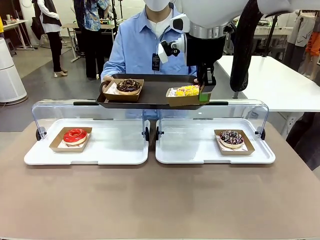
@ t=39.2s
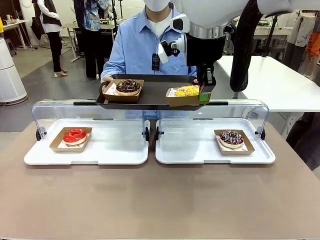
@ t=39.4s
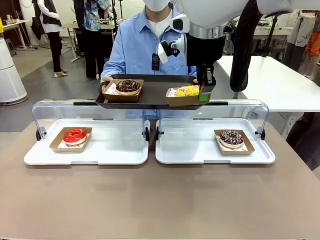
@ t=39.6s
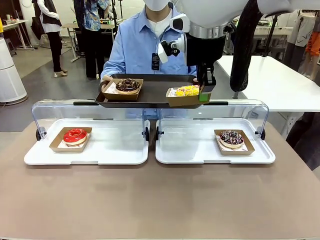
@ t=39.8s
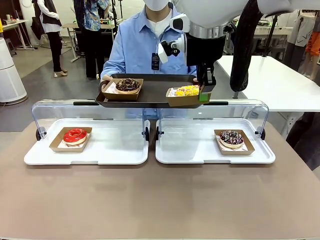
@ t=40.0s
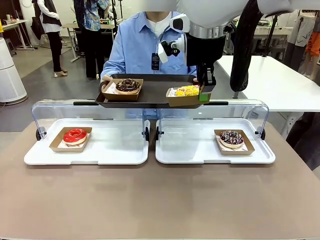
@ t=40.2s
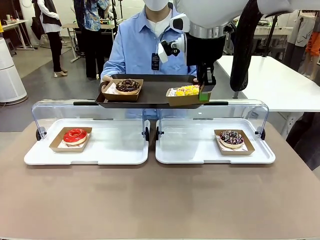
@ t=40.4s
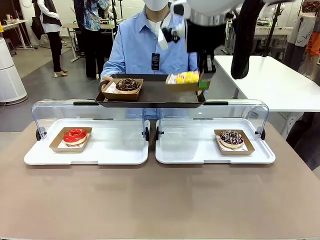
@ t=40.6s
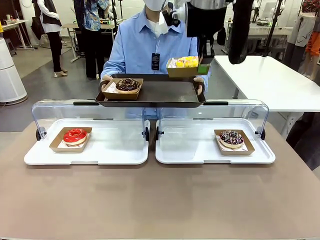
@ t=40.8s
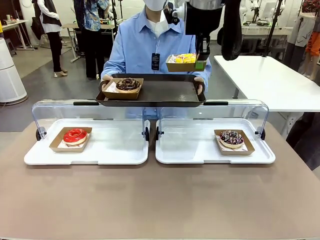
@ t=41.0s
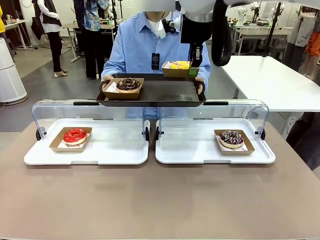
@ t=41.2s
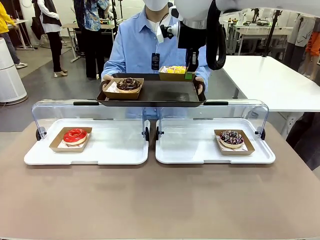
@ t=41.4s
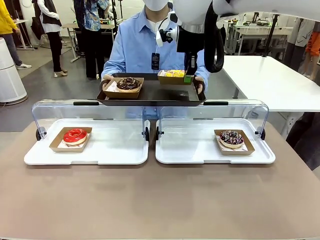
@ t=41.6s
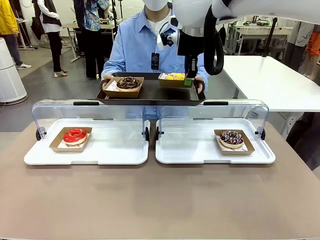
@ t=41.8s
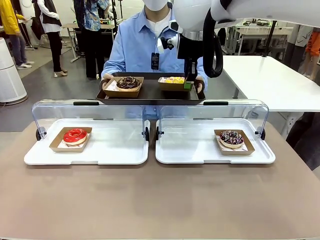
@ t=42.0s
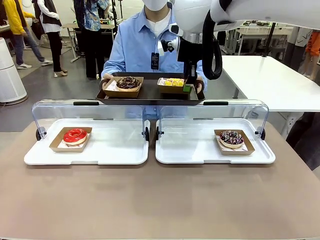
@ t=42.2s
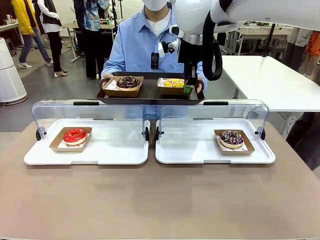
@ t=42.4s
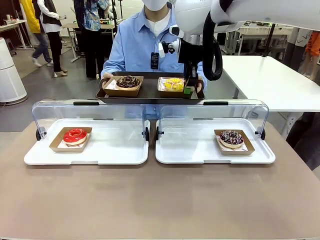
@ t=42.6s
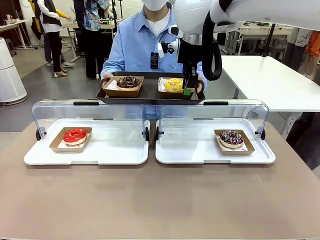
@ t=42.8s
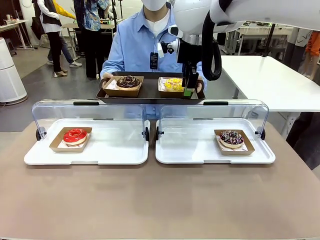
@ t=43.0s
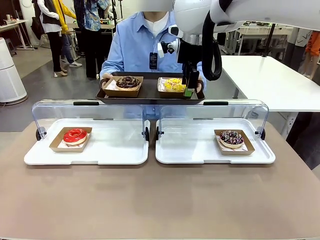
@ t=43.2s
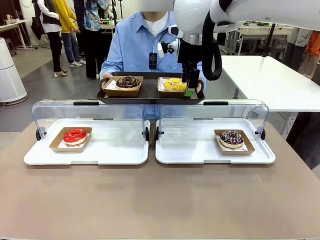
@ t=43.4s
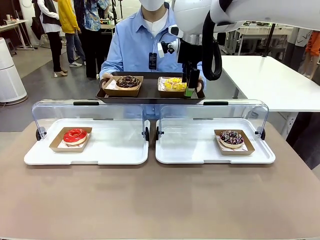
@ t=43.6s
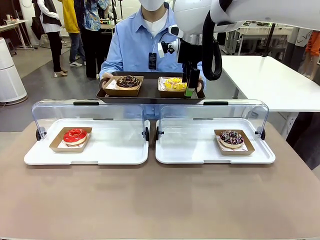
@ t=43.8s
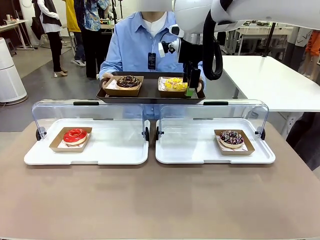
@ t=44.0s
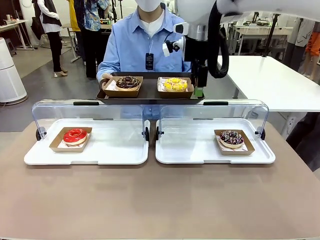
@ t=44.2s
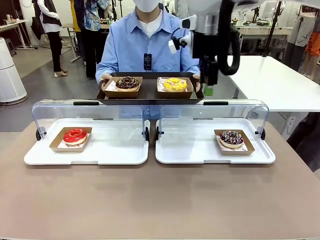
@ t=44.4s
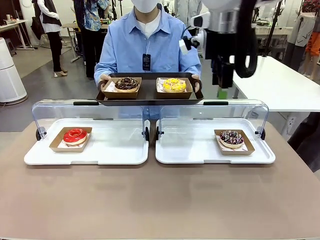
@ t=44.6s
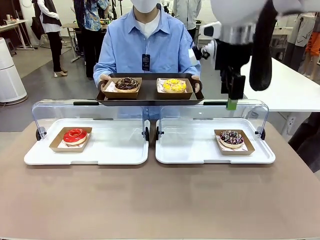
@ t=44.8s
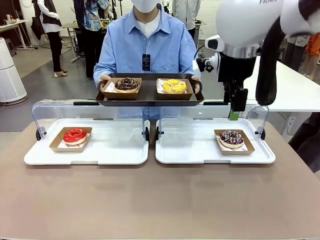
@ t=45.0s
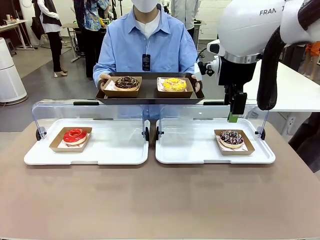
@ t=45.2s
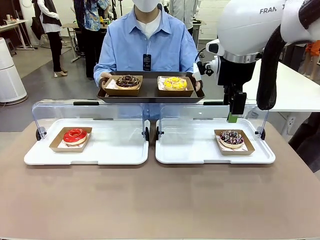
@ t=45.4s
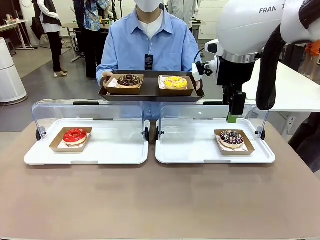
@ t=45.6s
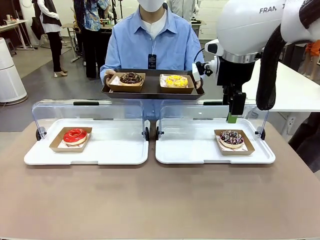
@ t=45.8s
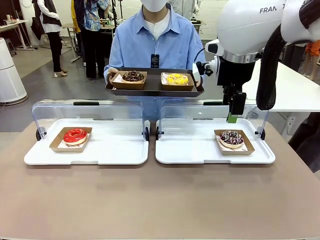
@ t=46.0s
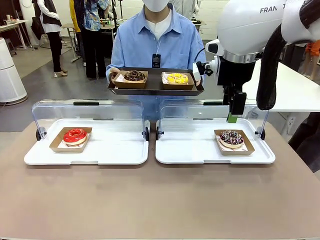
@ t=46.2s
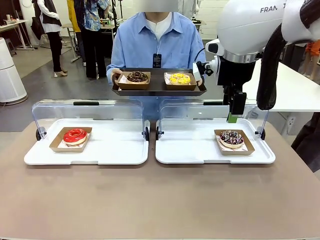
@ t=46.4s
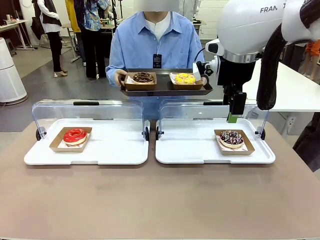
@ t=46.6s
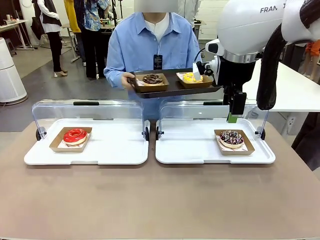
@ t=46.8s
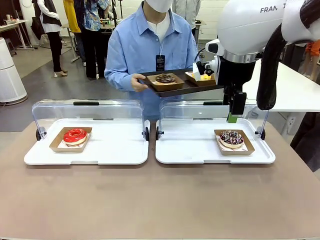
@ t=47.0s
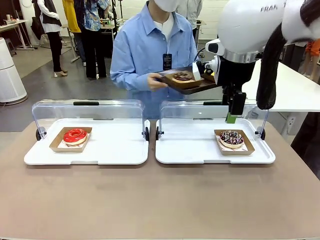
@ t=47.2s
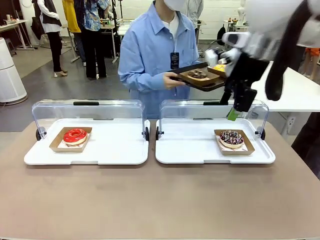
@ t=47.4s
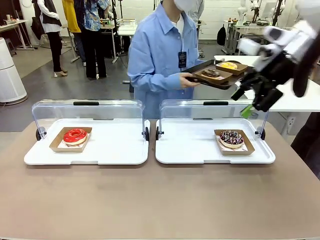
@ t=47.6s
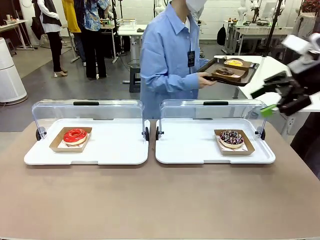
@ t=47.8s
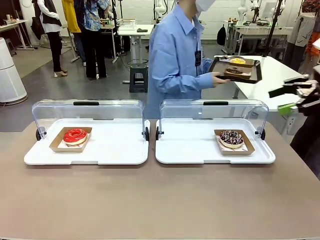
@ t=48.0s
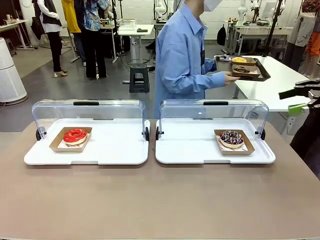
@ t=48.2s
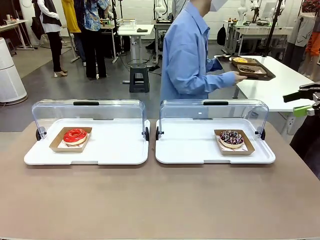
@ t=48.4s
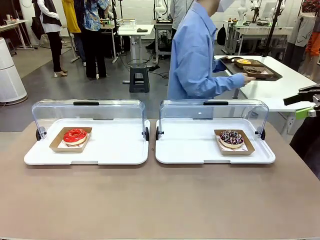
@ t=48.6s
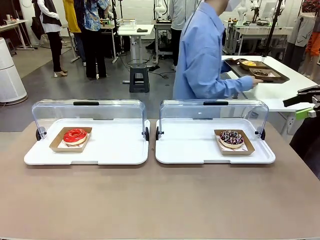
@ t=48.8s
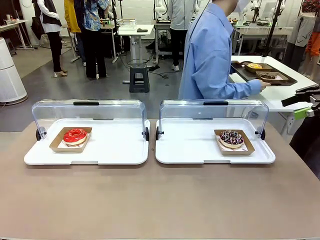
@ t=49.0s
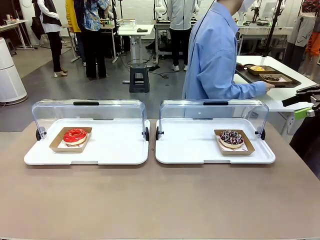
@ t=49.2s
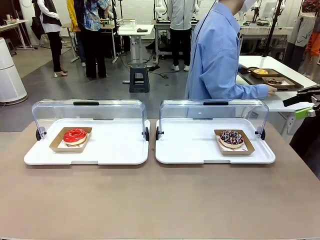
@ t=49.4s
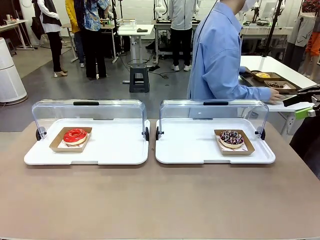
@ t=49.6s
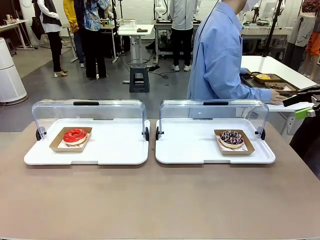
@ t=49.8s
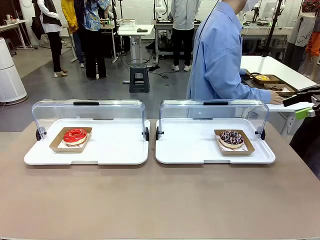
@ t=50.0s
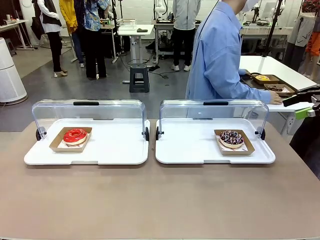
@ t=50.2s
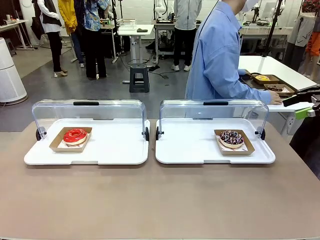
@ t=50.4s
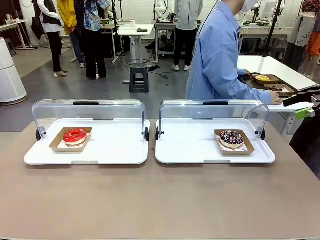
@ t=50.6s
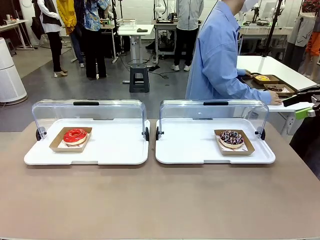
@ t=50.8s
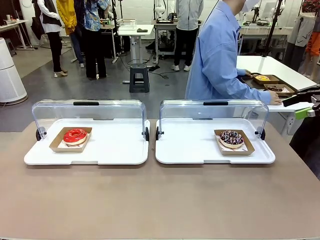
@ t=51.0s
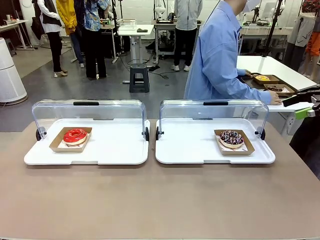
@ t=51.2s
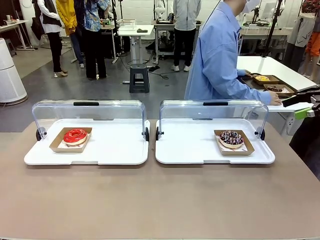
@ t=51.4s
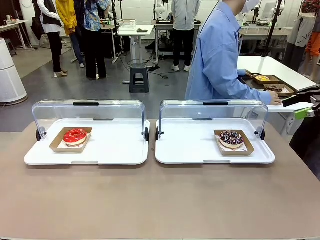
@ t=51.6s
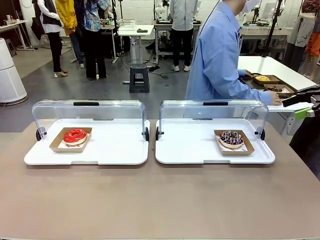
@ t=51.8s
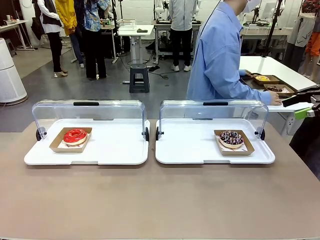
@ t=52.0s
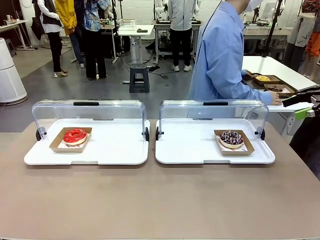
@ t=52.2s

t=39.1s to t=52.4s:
Task: Provide the desired donut to the person.
Robot: Place the picked Paper togo box onto the Handle tray extended by the person.
Person: Place the tray in the middle of the human table.
